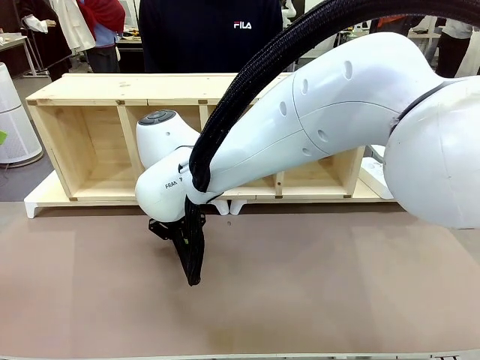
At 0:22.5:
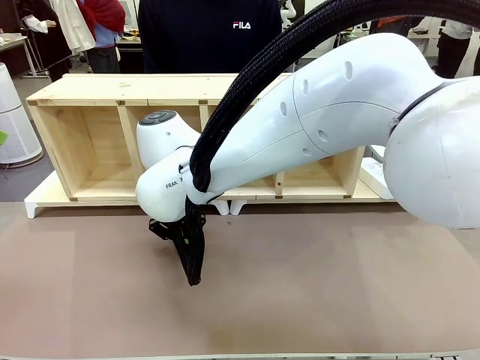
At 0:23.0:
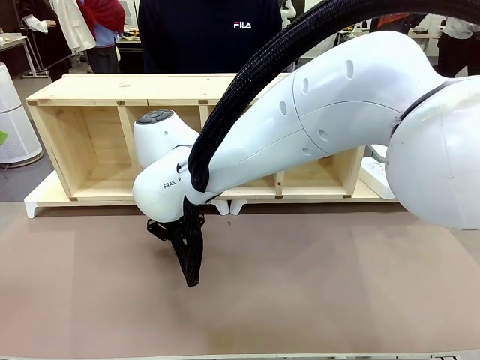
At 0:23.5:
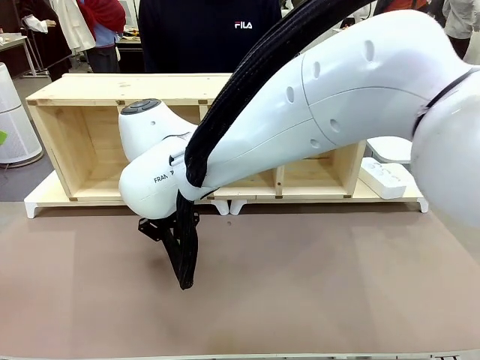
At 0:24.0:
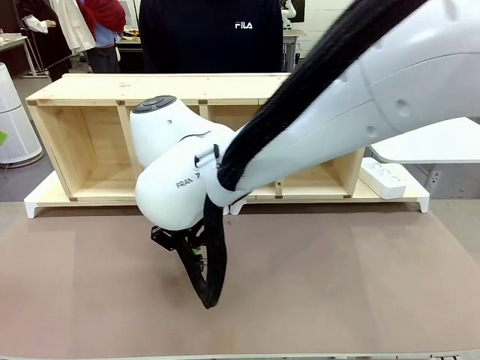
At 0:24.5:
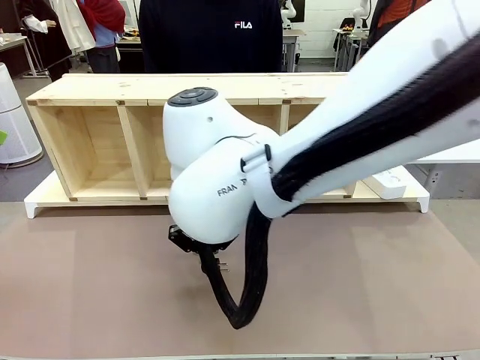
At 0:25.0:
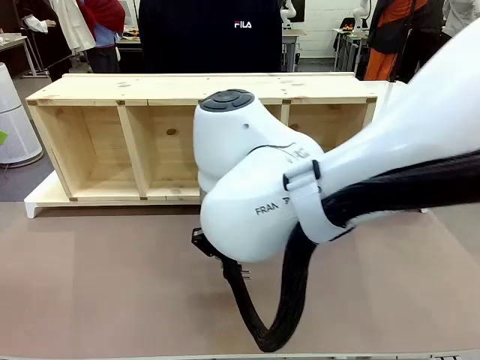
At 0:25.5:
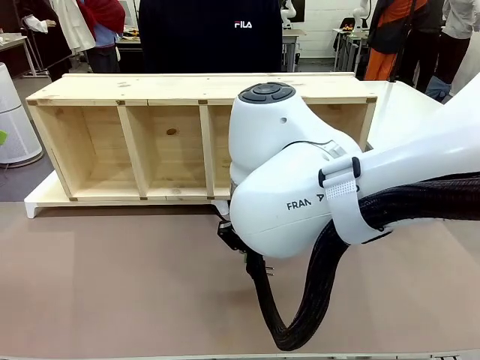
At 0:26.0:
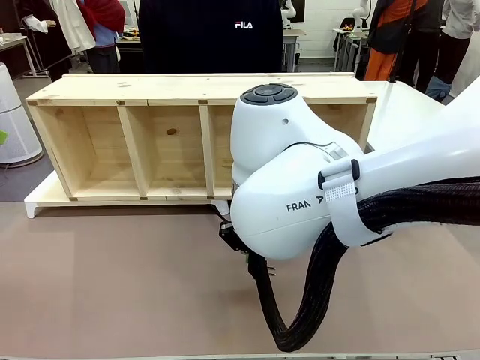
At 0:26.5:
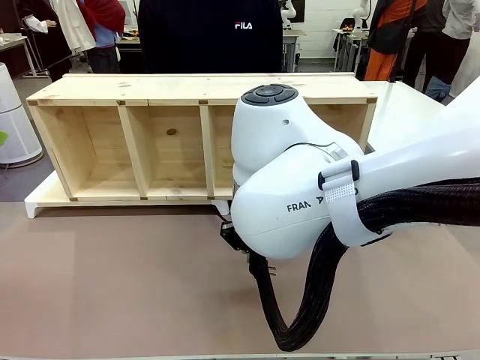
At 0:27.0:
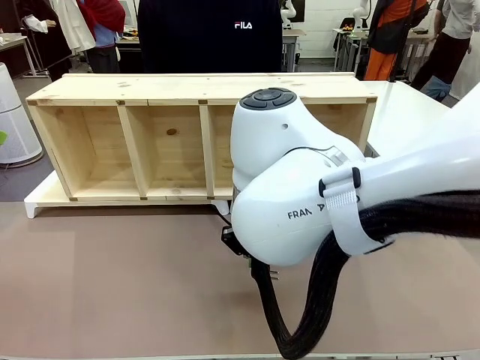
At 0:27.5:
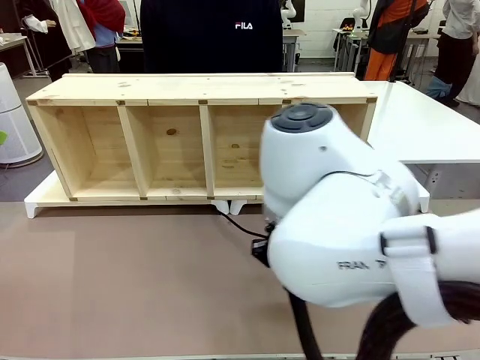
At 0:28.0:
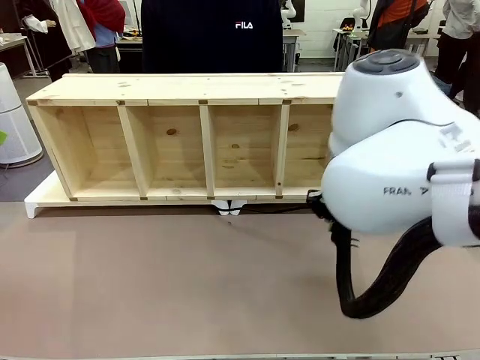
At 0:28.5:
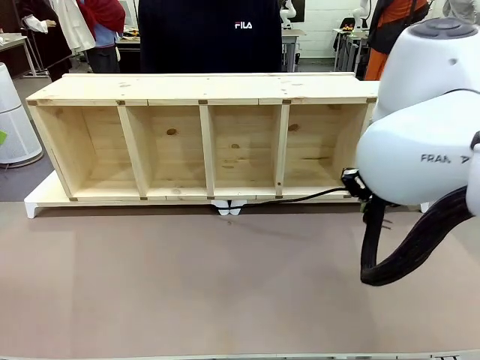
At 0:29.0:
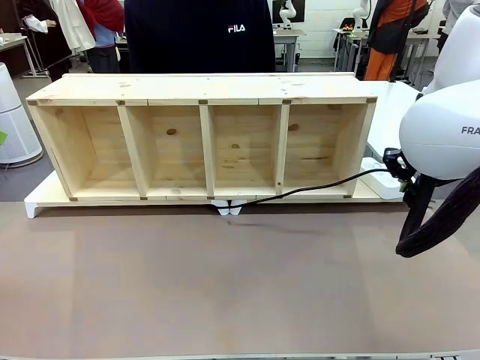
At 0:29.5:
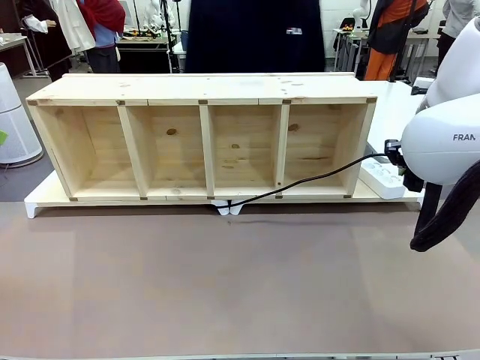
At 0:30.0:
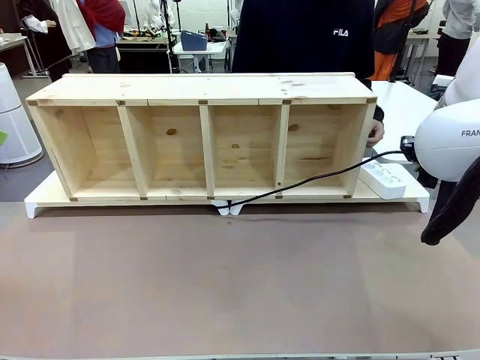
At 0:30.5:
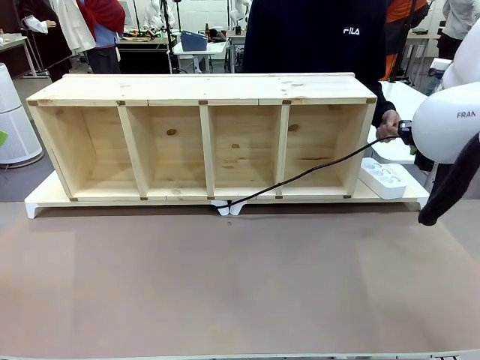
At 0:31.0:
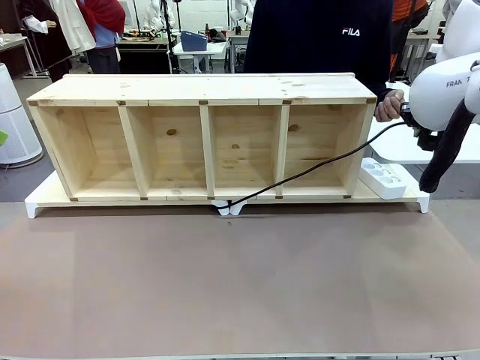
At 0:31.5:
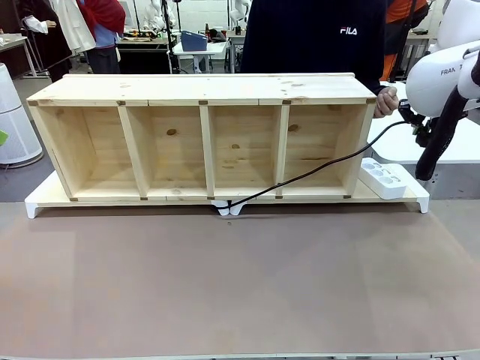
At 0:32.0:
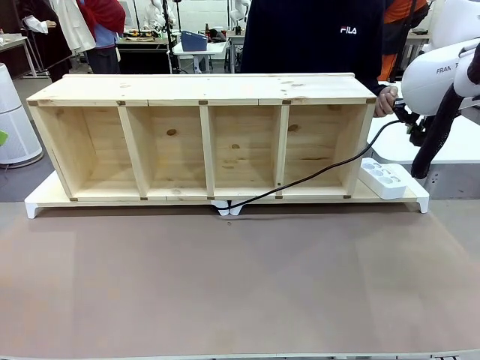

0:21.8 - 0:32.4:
Task: Perform cable management.
Robot: Pull the grasped Power Cable to the location of the Power Strip.

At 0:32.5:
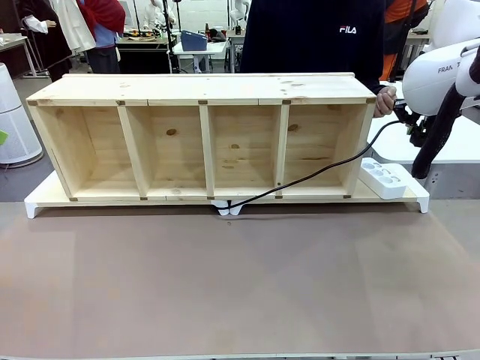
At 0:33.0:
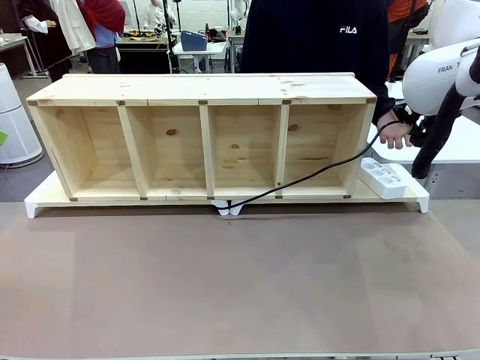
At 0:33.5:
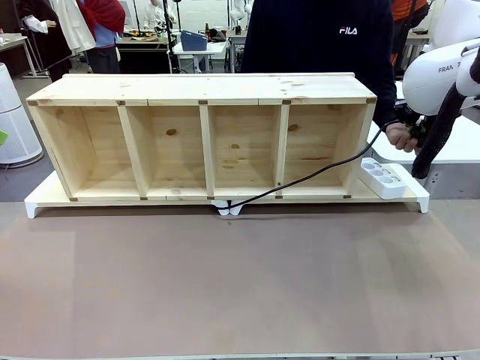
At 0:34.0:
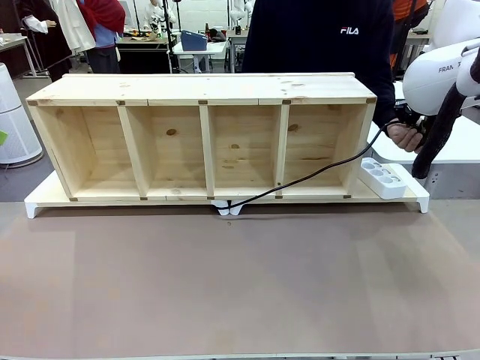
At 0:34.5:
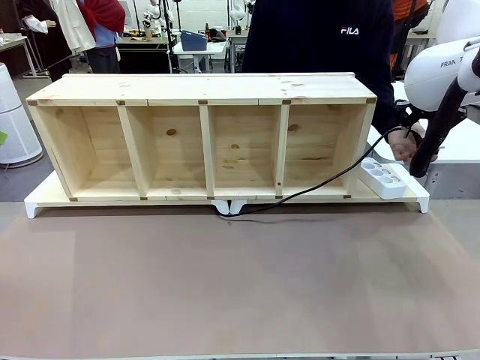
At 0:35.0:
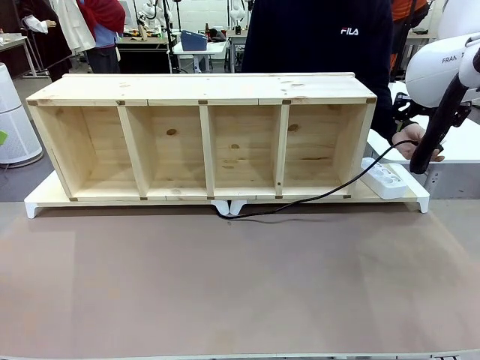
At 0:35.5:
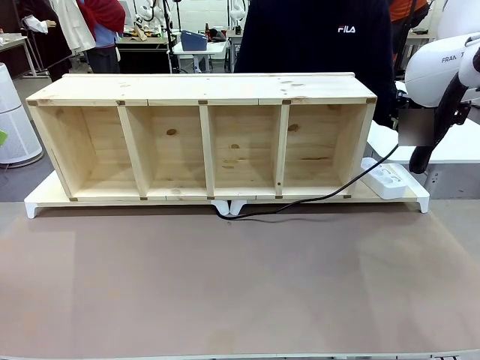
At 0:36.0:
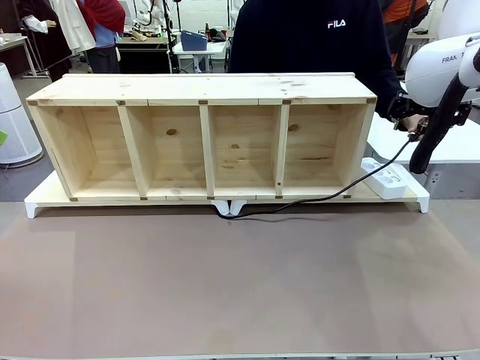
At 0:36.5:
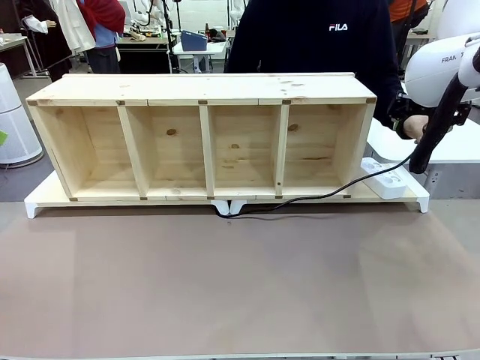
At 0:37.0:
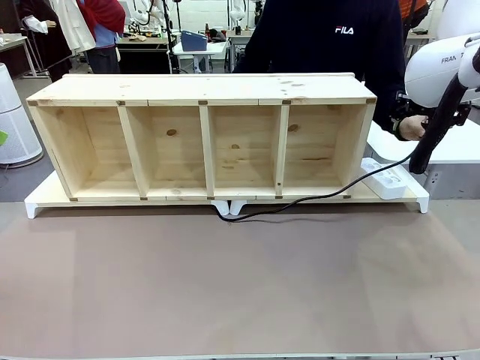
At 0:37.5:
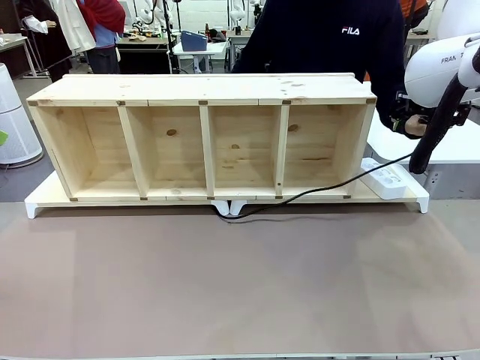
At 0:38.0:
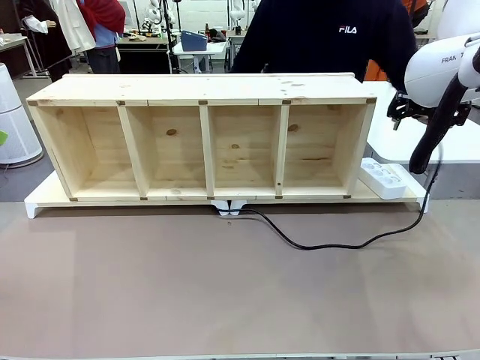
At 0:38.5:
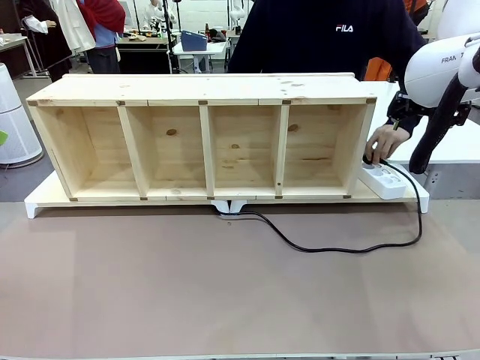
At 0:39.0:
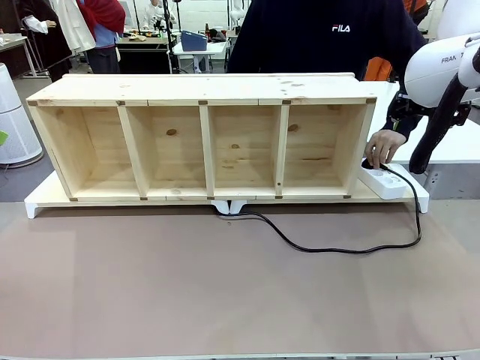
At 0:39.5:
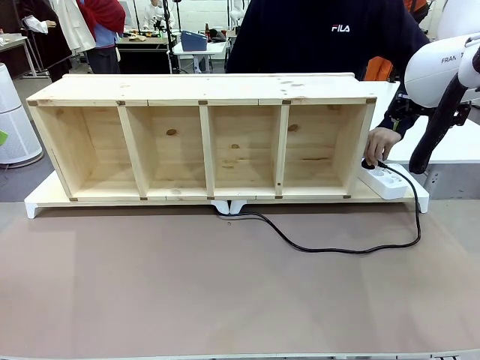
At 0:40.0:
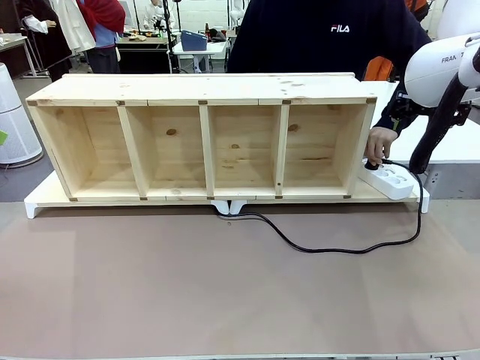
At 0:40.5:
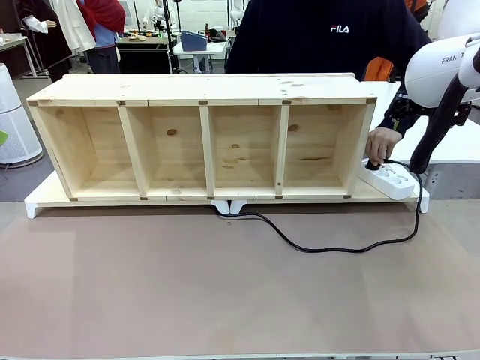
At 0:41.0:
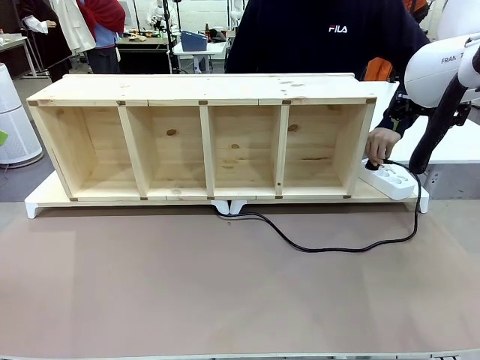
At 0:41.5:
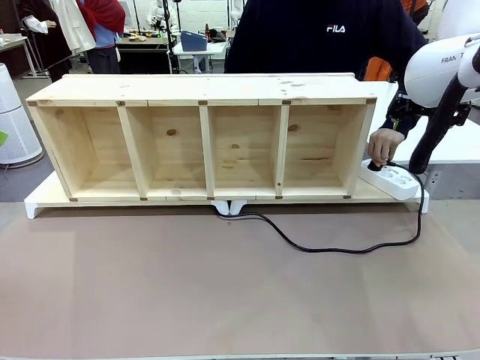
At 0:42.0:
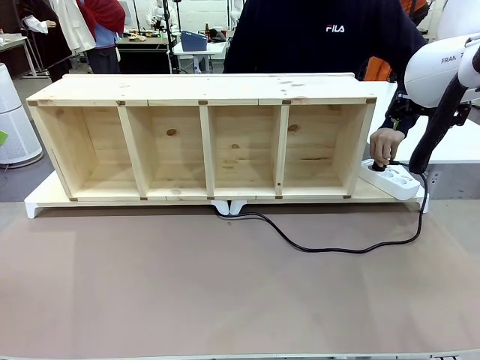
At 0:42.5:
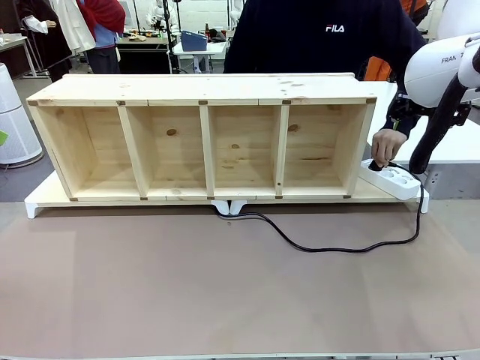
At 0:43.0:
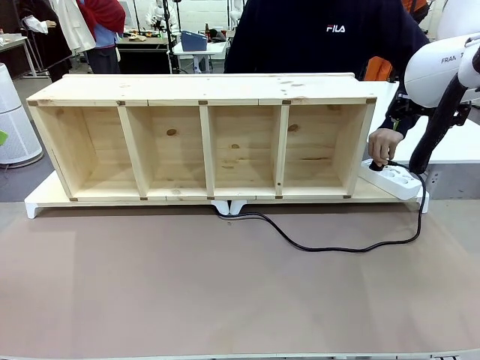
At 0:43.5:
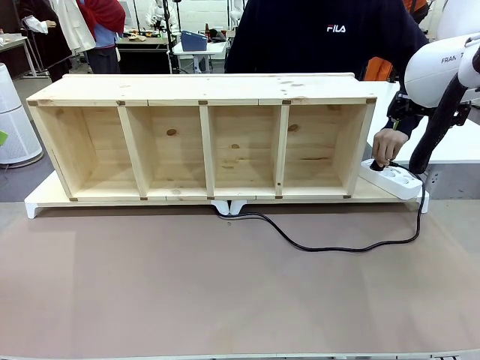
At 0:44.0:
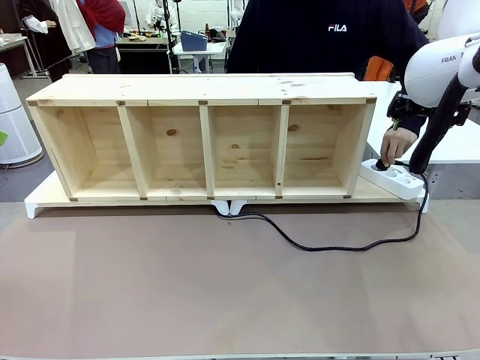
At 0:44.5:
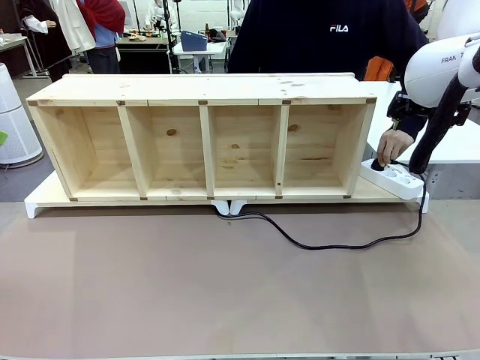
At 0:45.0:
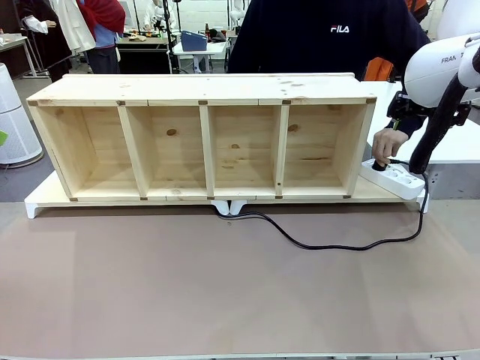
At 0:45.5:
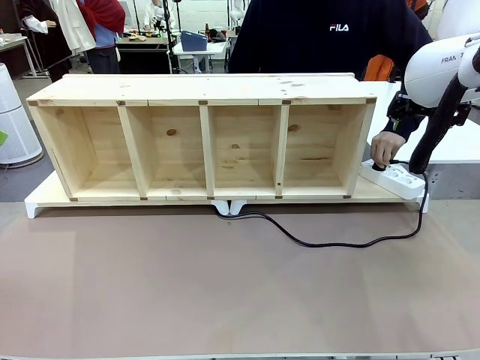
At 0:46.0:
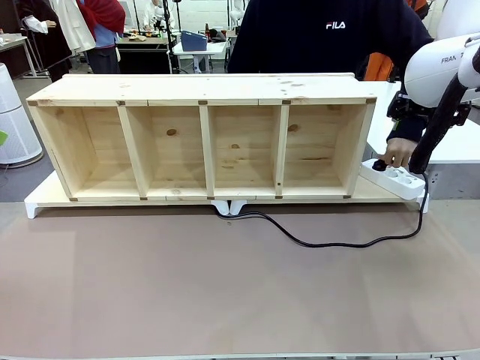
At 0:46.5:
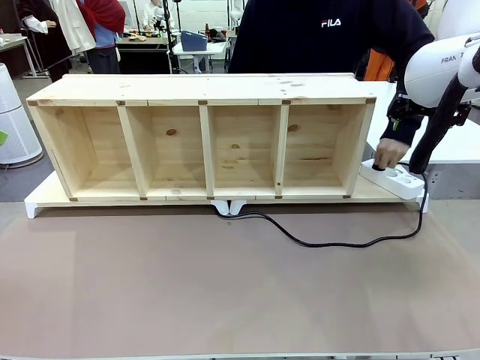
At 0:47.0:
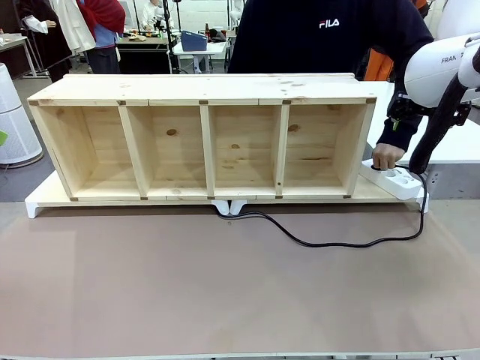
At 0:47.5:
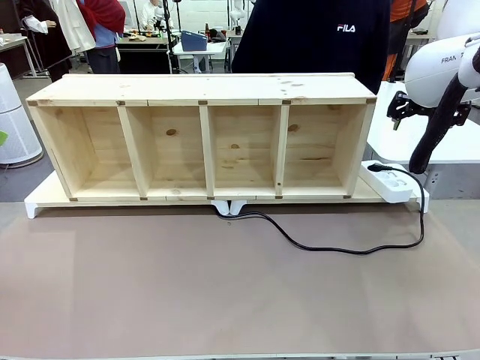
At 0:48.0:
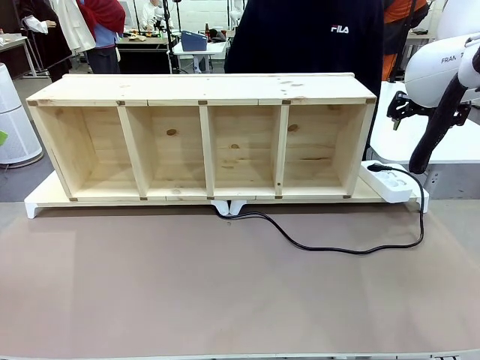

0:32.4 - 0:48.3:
Robot: Release the Power Cable when the human grasps it.
Person: Plug the Power Cable into the Power Strip.
